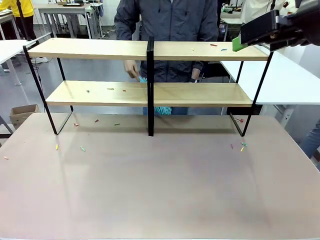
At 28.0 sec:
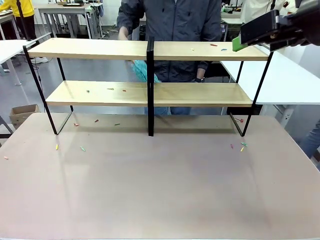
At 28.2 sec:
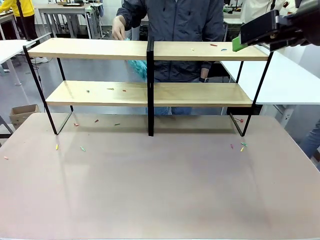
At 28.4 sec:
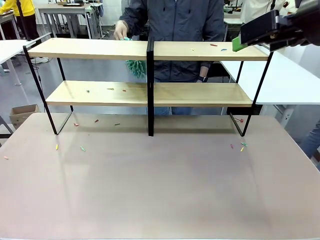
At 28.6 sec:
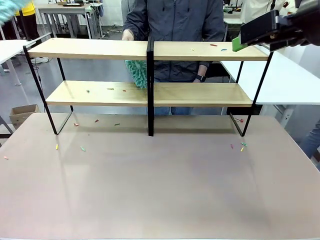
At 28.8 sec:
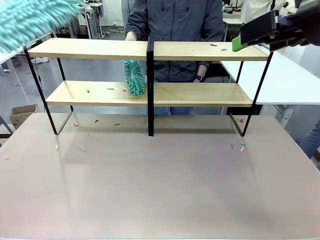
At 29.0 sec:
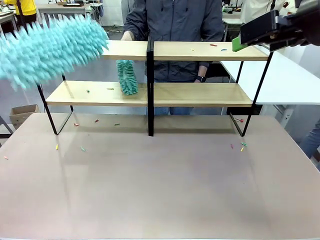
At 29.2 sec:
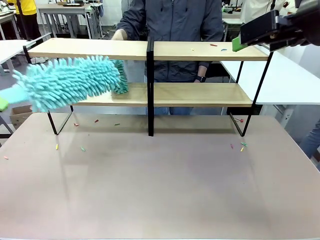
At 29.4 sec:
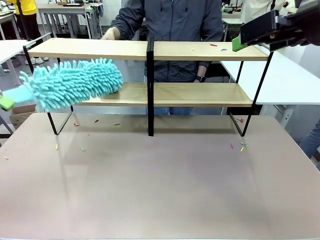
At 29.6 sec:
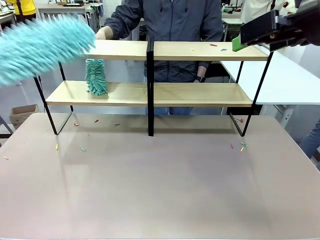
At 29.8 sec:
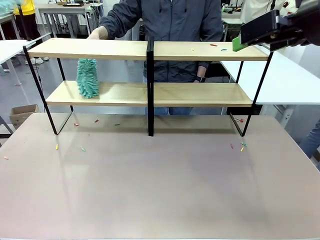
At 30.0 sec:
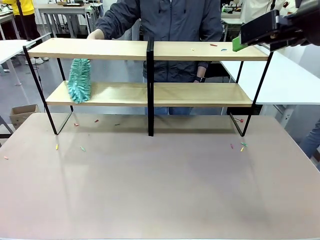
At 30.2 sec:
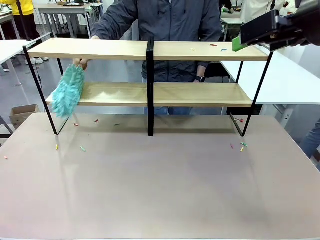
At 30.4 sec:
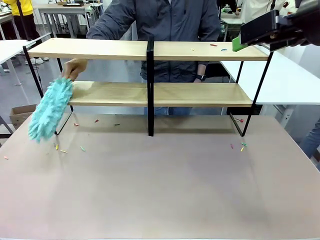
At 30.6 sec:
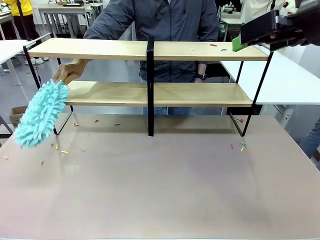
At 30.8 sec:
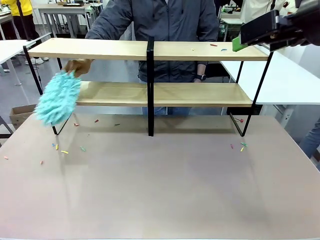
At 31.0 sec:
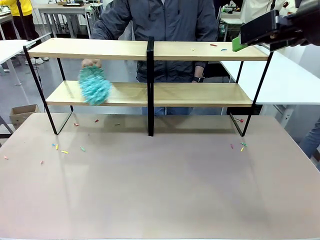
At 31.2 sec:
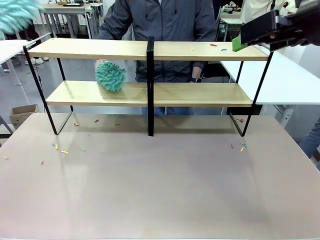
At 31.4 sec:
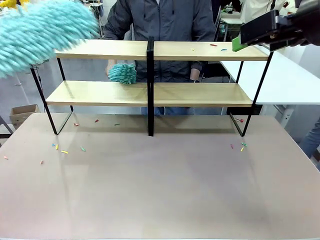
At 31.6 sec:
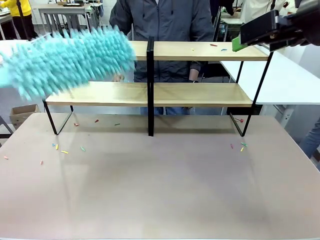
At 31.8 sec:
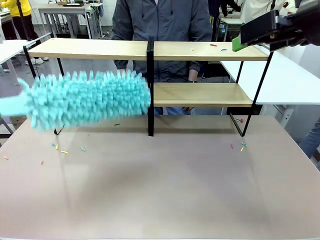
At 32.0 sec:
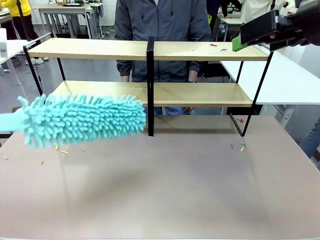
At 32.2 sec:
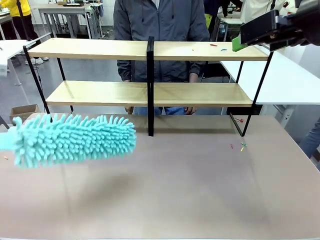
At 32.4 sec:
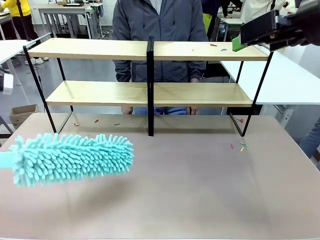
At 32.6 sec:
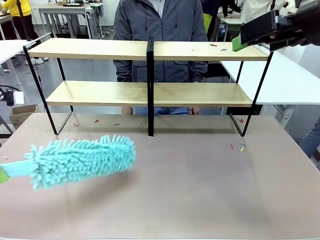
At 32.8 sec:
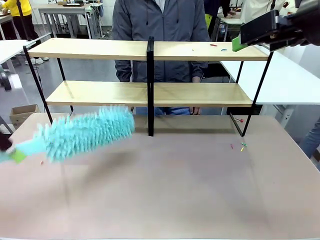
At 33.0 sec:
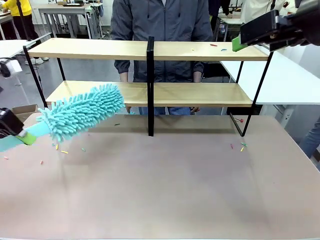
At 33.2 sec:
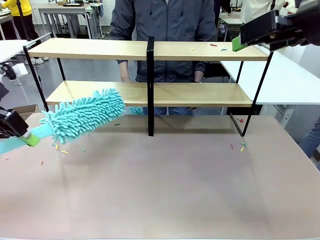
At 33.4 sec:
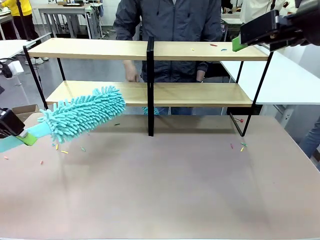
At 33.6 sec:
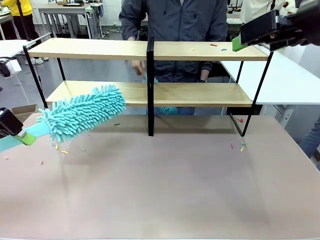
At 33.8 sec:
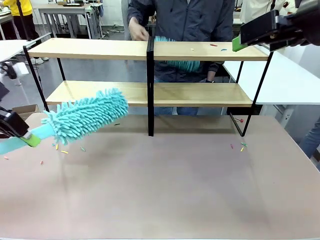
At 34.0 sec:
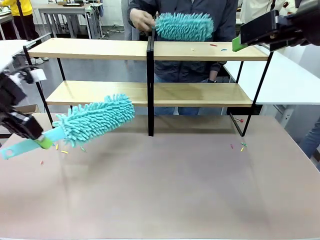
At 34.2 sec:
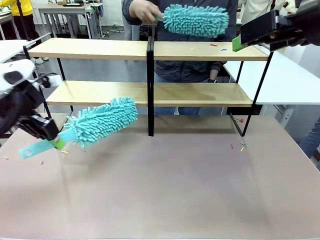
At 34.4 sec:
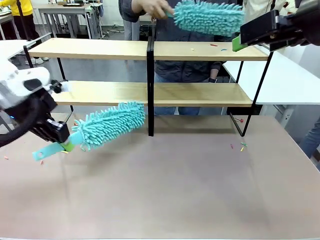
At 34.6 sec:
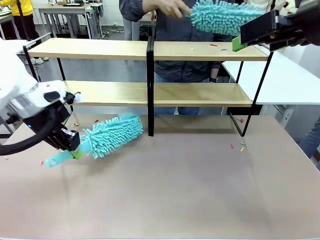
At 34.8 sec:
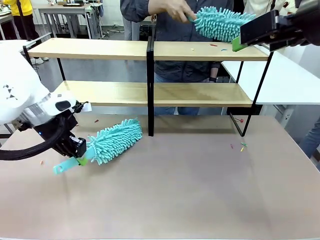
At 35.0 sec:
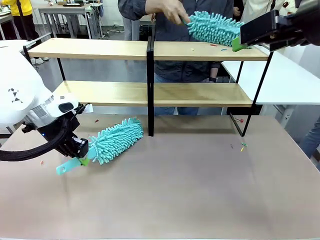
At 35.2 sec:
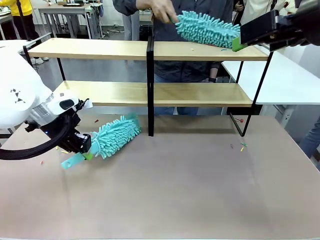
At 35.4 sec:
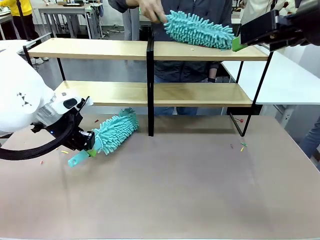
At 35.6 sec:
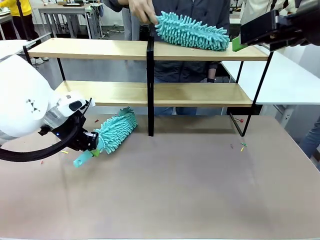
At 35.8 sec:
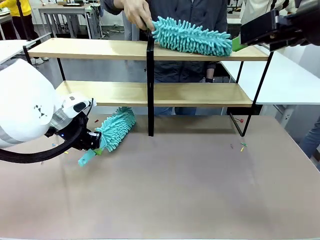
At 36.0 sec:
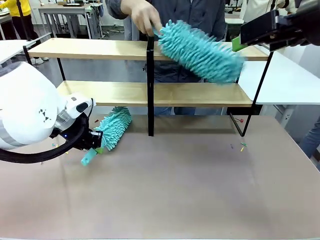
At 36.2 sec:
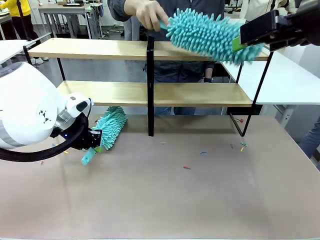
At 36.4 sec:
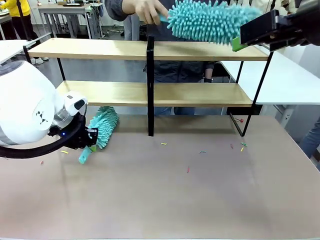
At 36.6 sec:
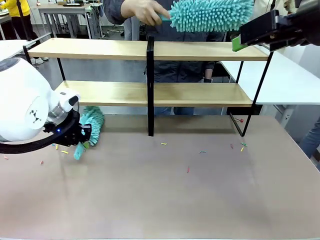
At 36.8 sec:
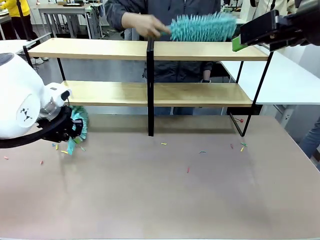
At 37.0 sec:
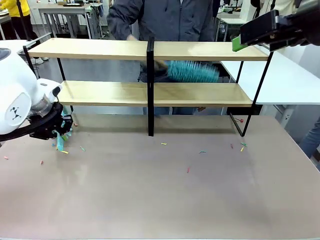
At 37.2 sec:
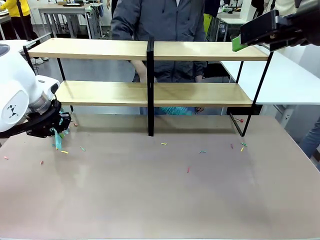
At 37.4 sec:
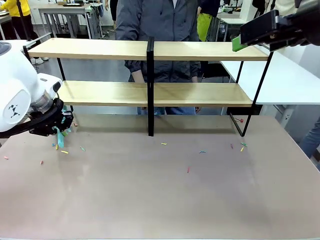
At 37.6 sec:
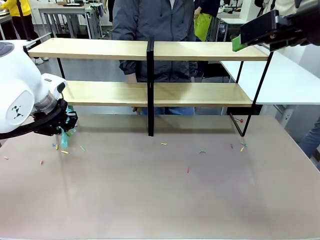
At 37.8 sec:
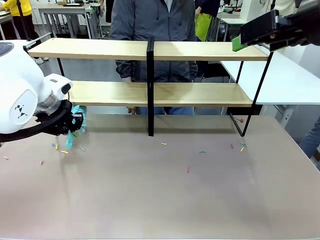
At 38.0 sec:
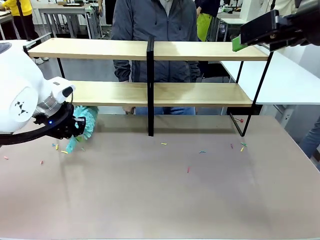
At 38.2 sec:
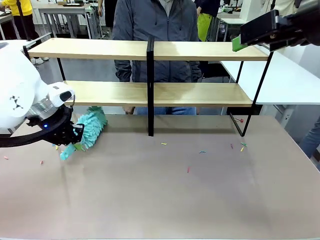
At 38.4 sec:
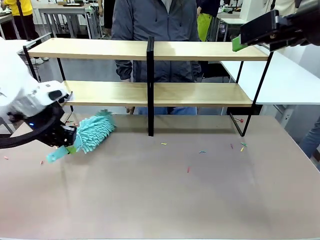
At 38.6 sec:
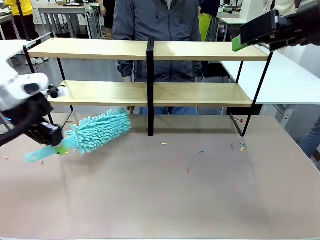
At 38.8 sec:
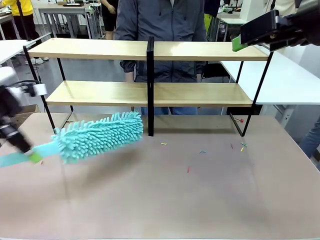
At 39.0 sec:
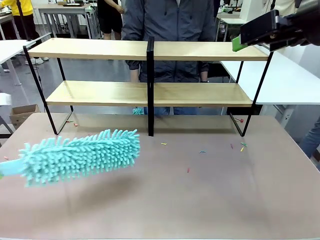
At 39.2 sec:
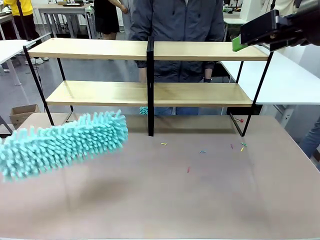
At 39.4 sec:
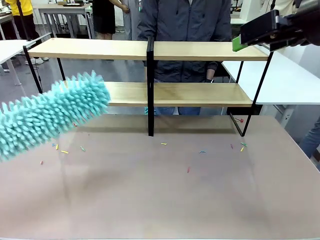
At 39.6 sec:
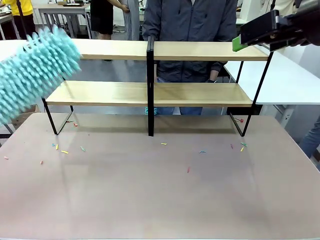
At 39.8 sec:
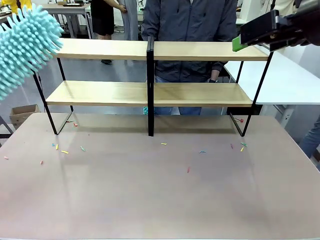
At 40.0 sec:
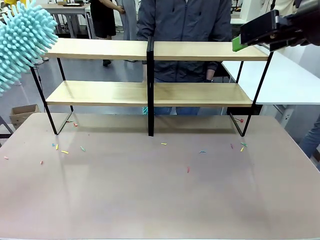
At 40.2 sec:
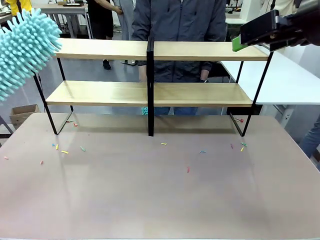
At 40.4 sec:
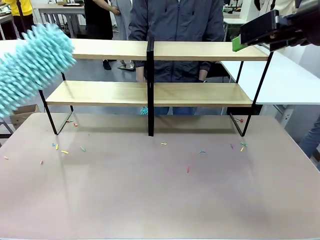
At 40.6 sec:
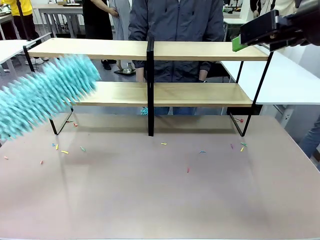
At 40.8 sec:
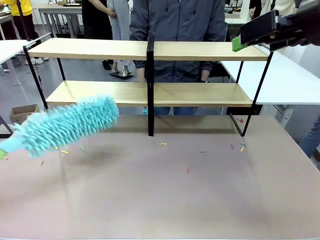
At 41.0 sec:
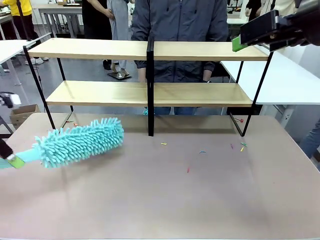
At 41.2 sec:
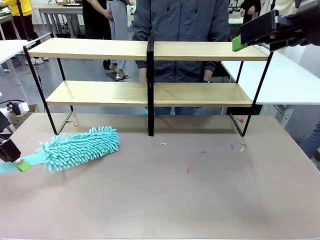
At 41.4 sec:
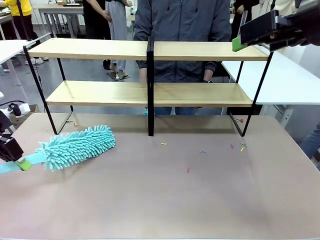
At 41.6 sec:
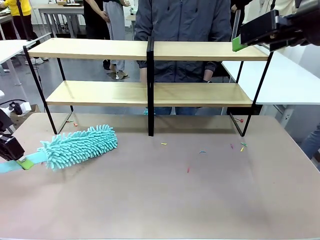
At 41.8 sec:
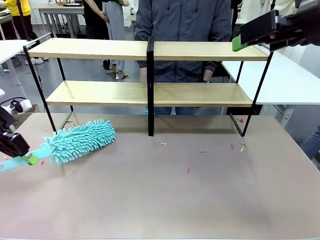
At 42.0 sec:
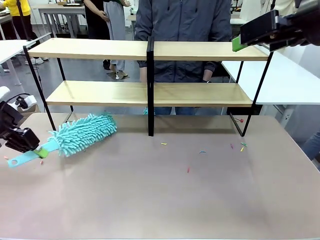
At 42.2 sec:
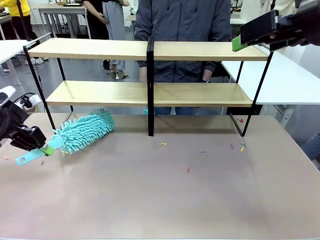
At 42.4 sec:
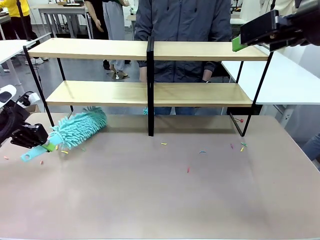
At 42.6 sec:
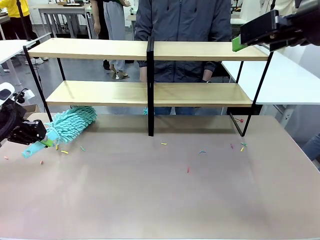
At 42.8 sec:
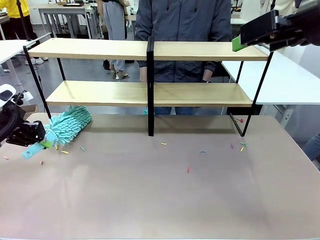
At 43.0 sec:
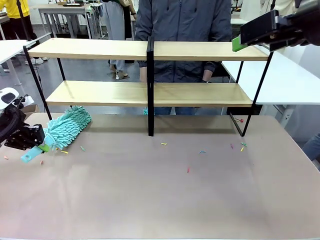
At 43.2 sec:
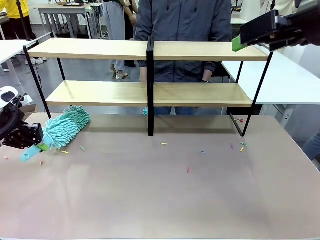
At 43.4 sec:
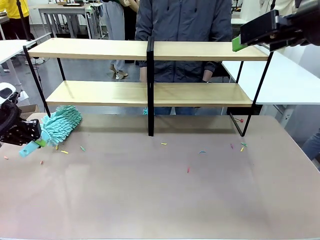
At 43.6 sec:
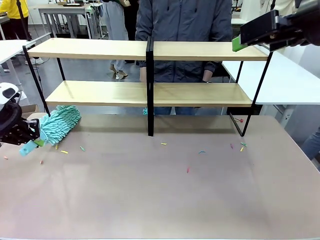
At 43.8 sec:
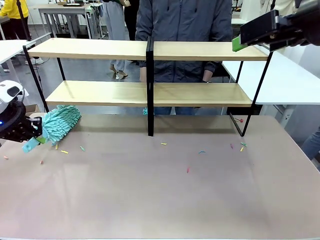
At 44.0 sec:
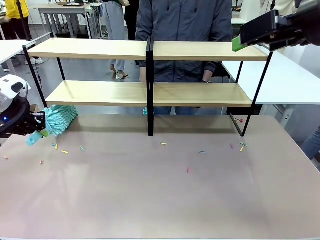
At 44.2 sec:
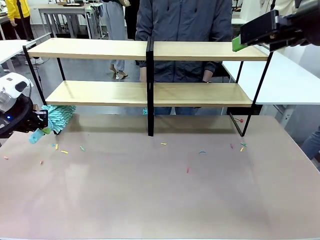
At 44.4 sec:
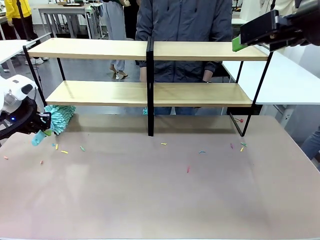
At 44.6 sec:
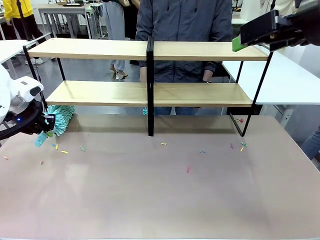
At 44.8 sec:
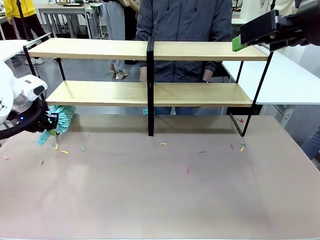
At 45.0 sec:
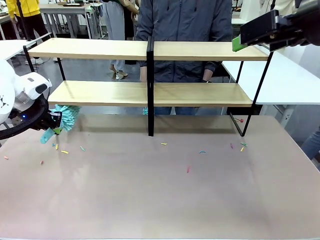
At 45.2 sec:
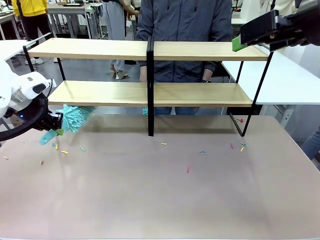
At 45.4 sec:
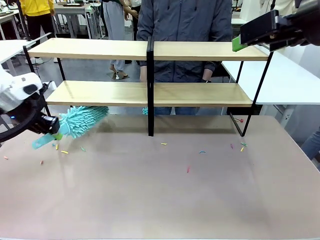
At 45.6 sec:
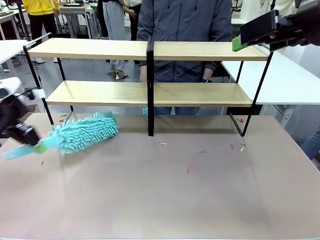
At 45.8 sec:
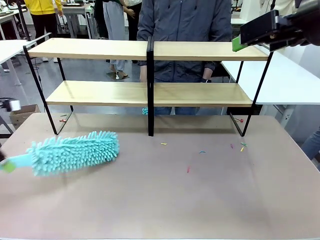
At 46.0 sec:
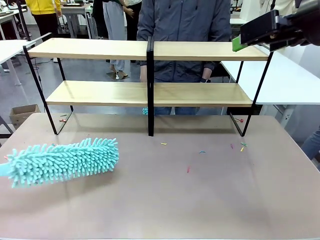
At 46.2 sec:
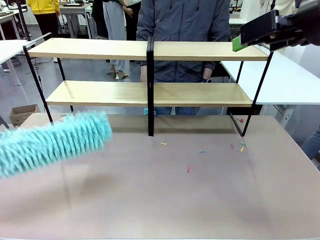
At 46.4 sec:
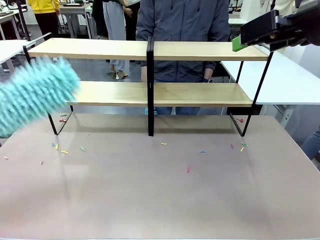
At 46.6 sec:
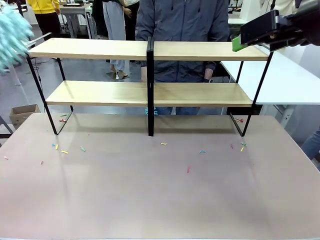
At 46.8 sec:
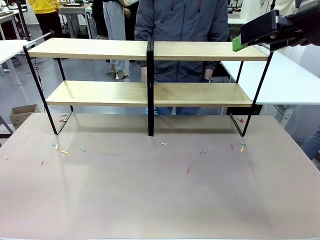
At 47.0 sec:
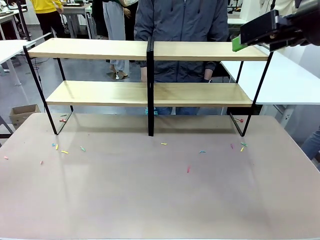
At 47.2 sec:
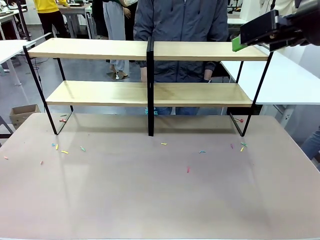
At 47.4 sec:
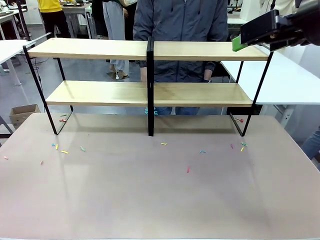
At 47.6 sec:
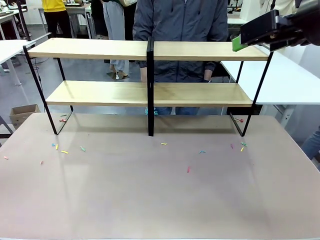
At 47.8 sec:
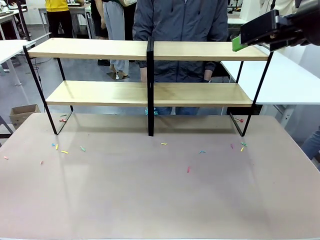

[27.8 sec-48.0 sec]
Task: Clean the shelves.
Robot: Clean another randomly selected level of the Shelf with the Duster.
Person: Clean a randomly selected level of the Shelf with the Duster.
